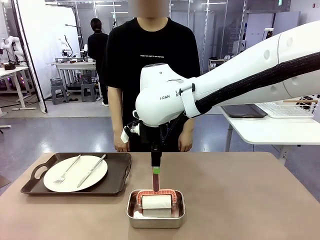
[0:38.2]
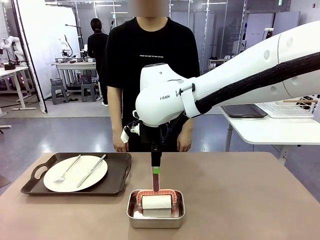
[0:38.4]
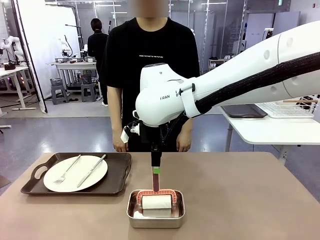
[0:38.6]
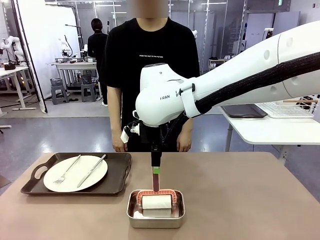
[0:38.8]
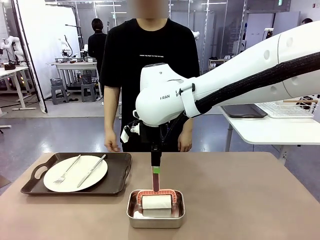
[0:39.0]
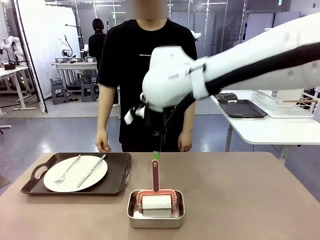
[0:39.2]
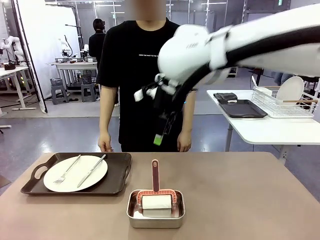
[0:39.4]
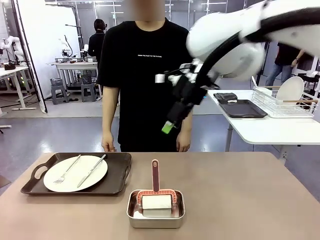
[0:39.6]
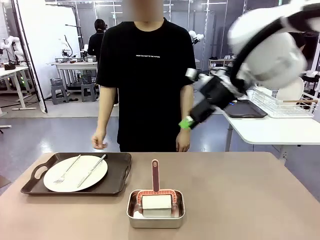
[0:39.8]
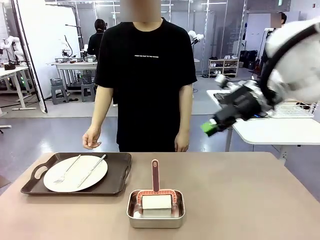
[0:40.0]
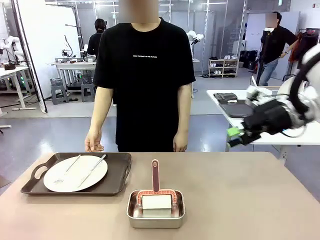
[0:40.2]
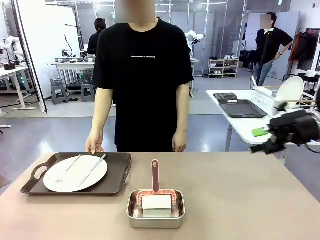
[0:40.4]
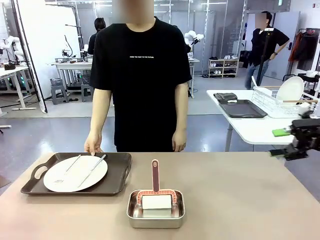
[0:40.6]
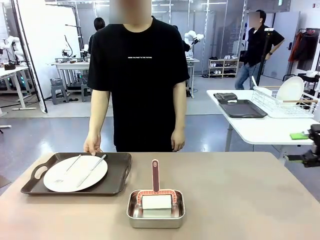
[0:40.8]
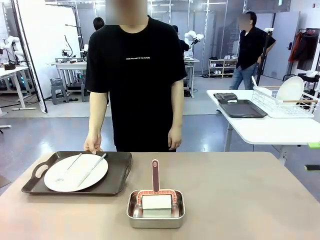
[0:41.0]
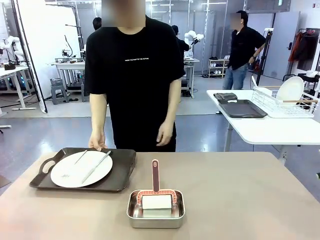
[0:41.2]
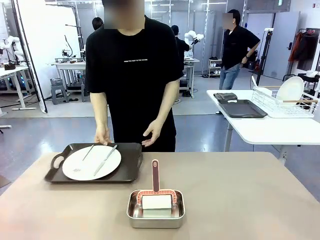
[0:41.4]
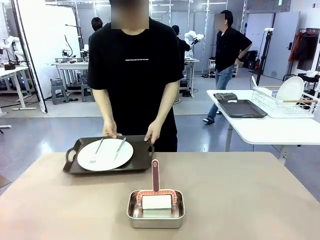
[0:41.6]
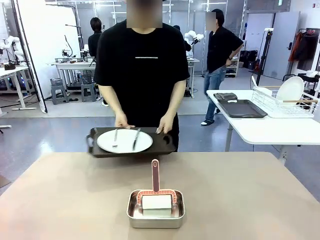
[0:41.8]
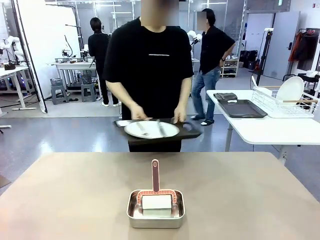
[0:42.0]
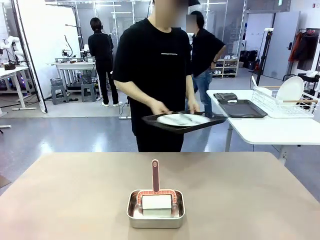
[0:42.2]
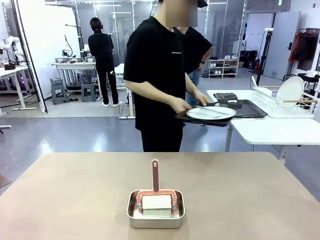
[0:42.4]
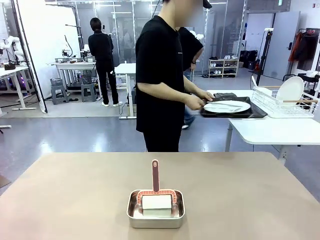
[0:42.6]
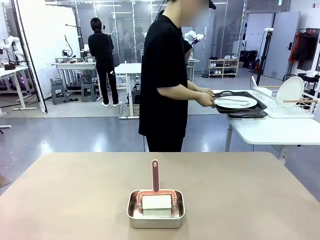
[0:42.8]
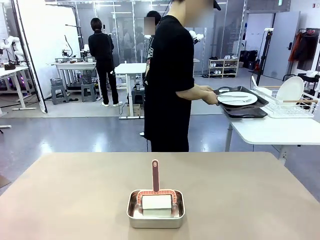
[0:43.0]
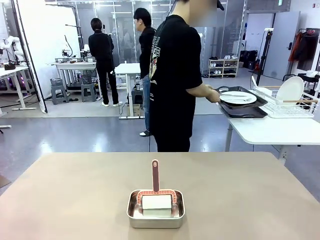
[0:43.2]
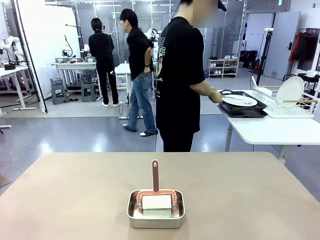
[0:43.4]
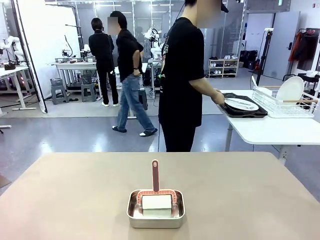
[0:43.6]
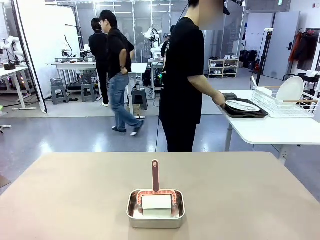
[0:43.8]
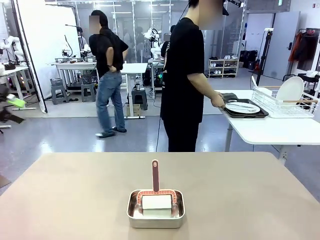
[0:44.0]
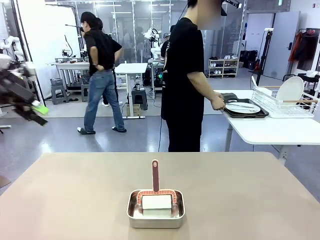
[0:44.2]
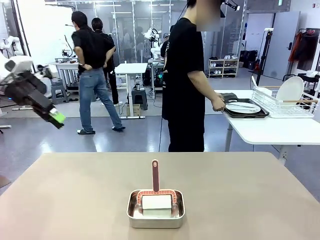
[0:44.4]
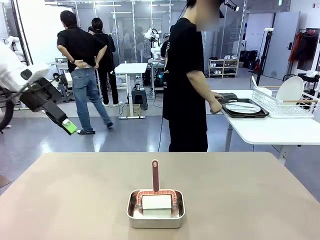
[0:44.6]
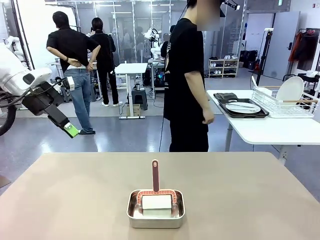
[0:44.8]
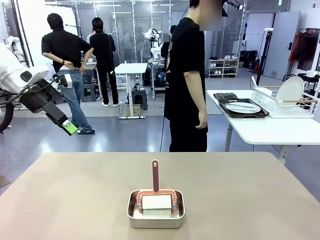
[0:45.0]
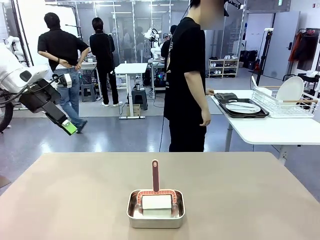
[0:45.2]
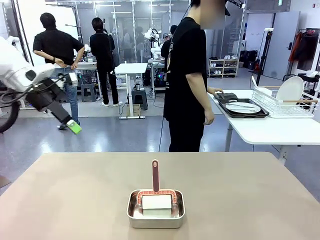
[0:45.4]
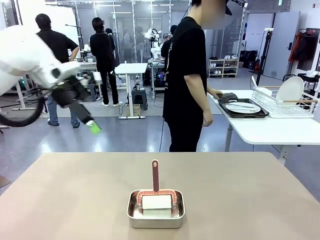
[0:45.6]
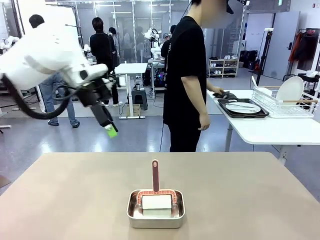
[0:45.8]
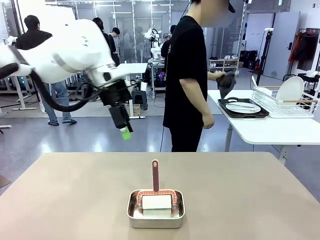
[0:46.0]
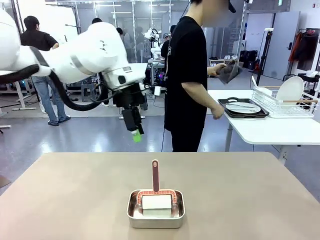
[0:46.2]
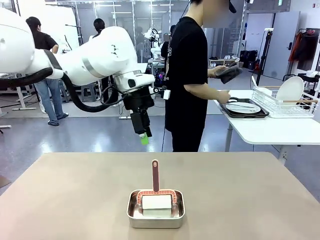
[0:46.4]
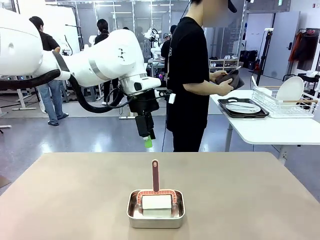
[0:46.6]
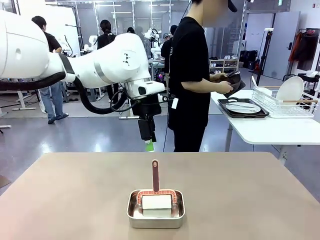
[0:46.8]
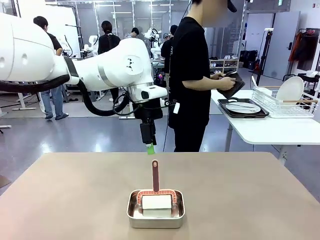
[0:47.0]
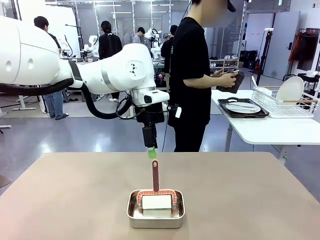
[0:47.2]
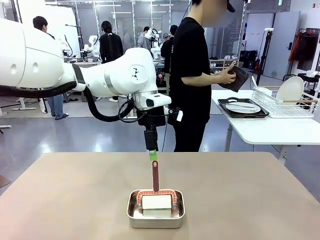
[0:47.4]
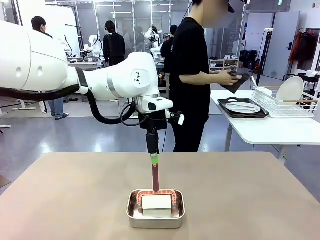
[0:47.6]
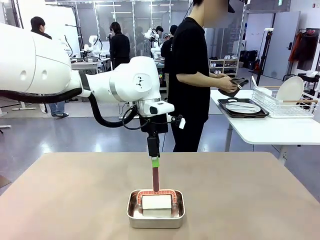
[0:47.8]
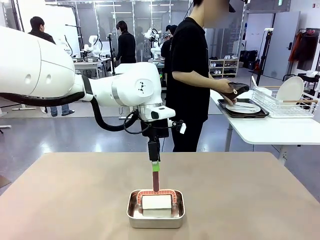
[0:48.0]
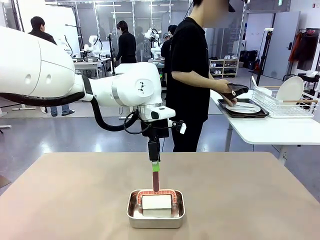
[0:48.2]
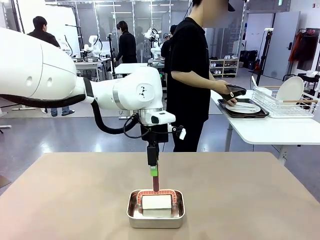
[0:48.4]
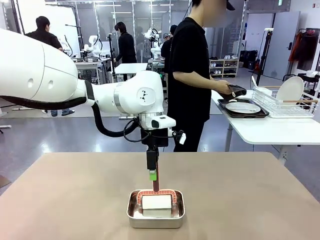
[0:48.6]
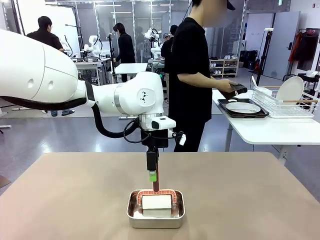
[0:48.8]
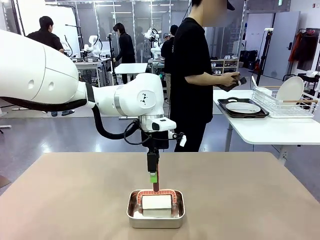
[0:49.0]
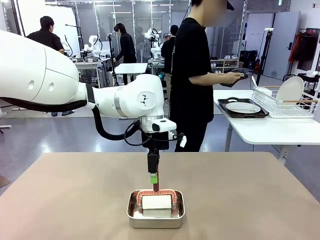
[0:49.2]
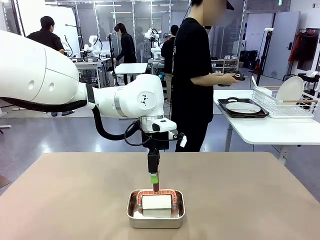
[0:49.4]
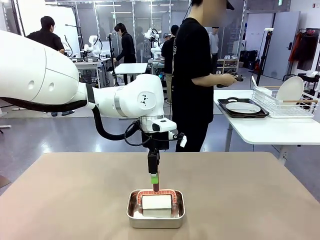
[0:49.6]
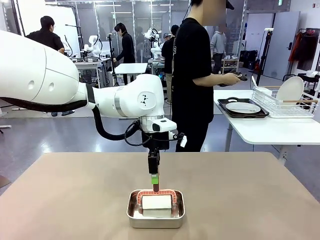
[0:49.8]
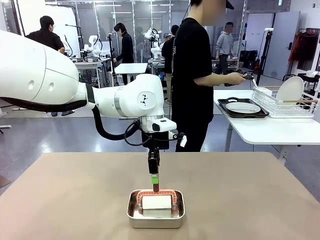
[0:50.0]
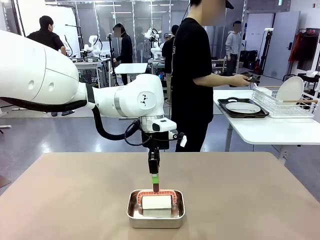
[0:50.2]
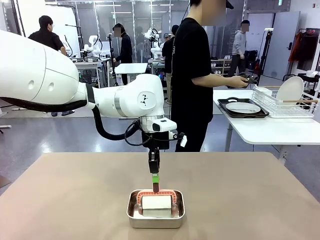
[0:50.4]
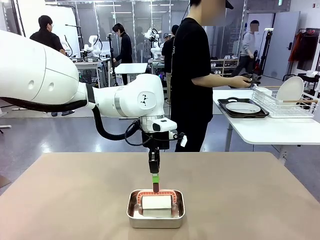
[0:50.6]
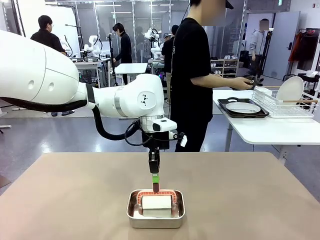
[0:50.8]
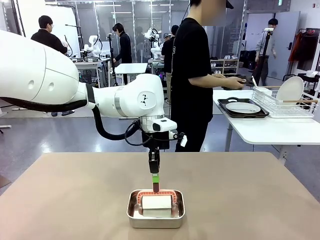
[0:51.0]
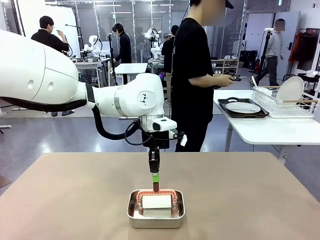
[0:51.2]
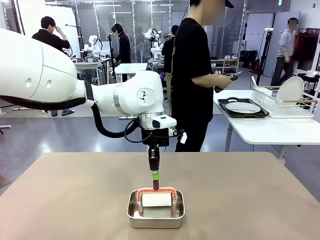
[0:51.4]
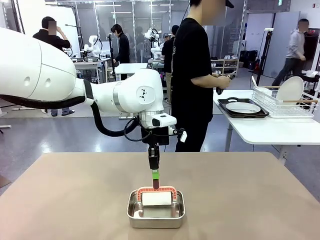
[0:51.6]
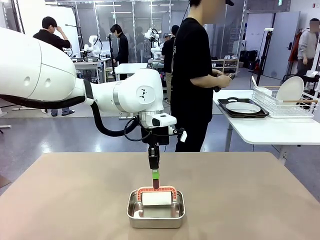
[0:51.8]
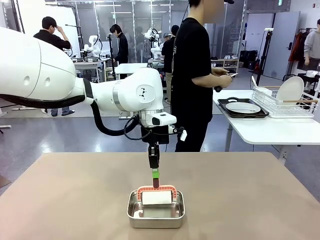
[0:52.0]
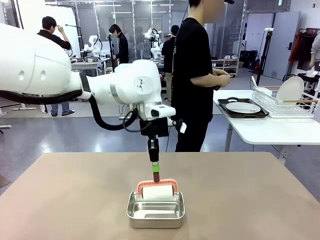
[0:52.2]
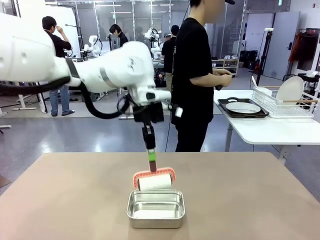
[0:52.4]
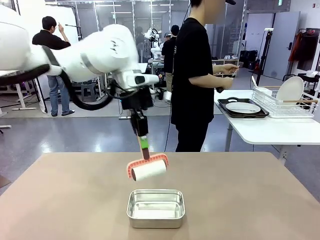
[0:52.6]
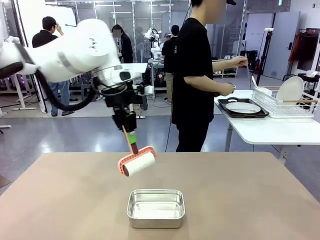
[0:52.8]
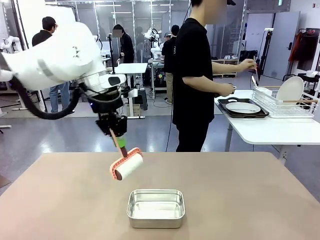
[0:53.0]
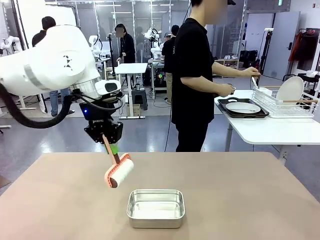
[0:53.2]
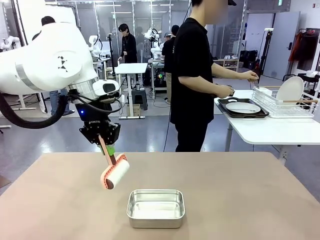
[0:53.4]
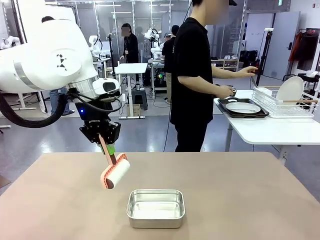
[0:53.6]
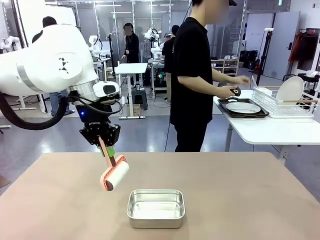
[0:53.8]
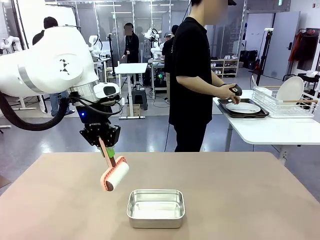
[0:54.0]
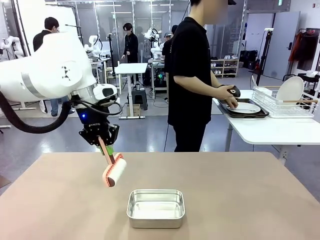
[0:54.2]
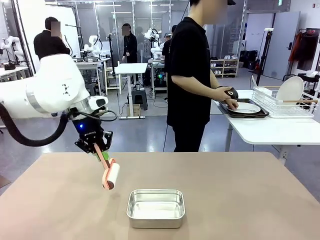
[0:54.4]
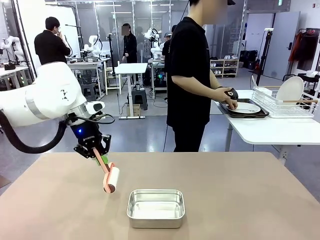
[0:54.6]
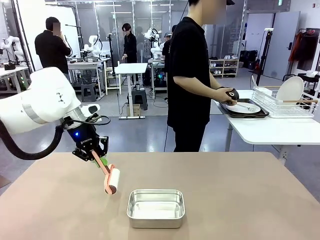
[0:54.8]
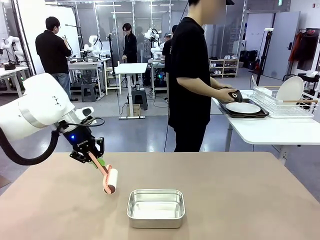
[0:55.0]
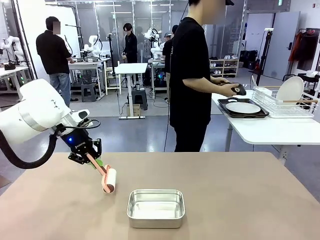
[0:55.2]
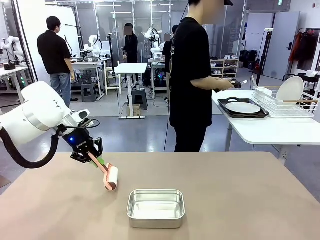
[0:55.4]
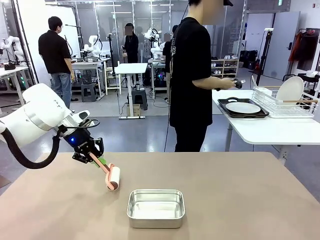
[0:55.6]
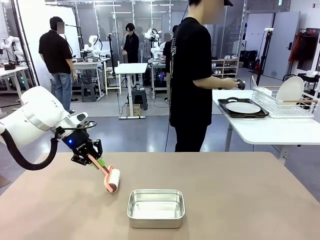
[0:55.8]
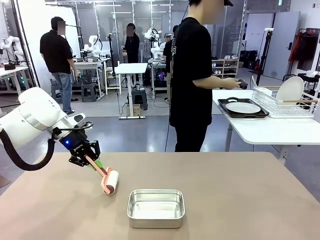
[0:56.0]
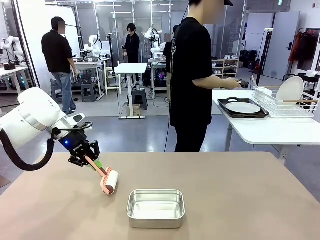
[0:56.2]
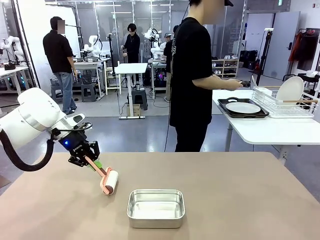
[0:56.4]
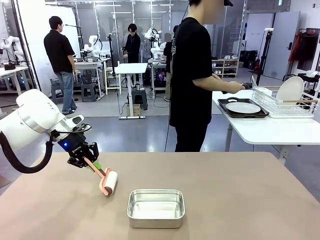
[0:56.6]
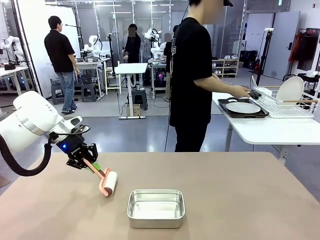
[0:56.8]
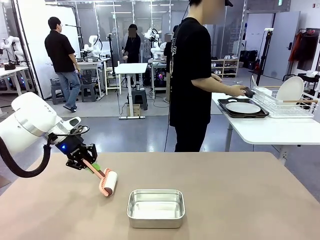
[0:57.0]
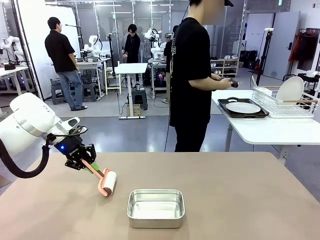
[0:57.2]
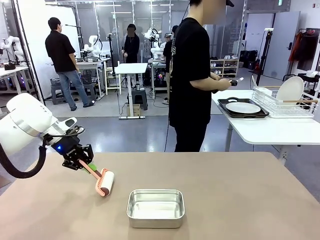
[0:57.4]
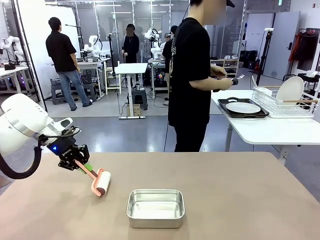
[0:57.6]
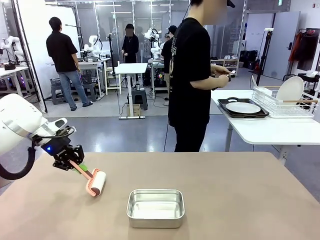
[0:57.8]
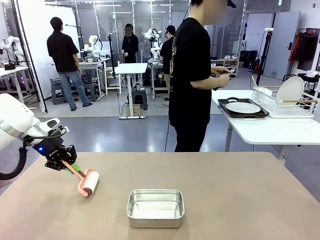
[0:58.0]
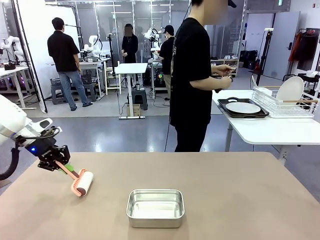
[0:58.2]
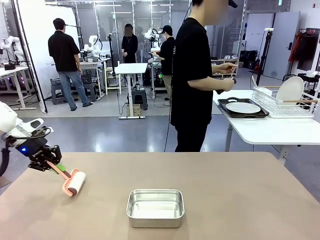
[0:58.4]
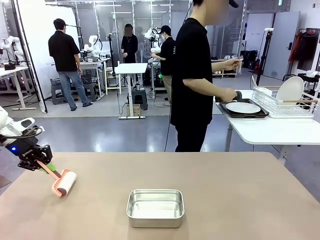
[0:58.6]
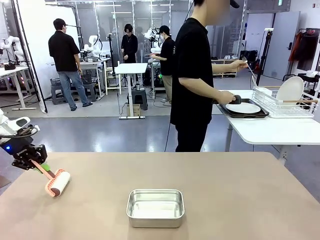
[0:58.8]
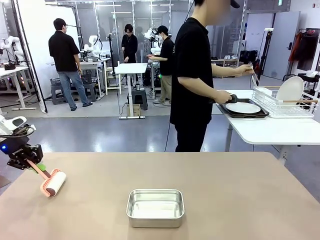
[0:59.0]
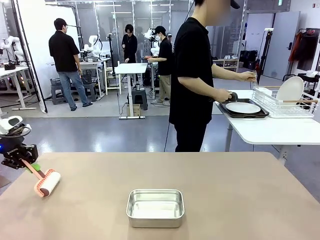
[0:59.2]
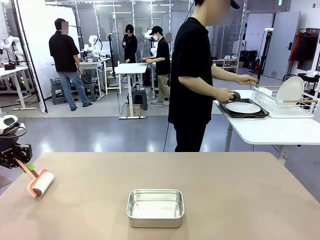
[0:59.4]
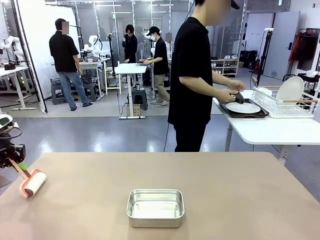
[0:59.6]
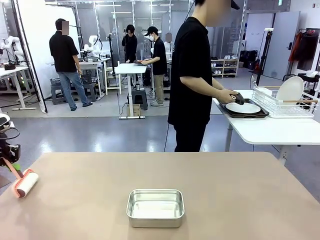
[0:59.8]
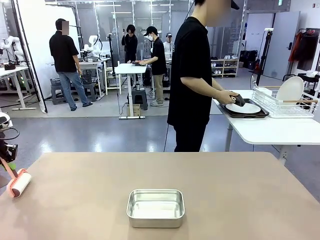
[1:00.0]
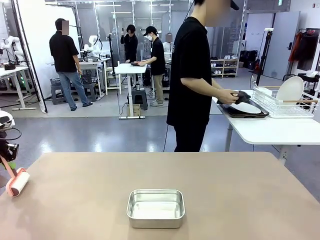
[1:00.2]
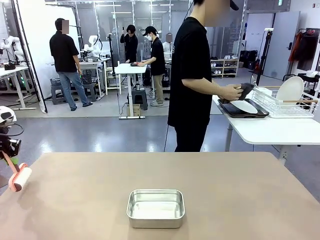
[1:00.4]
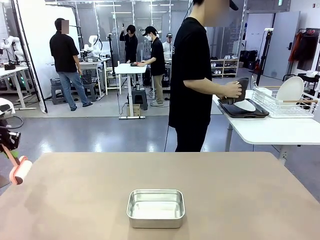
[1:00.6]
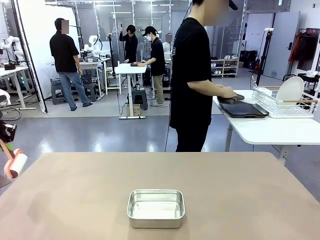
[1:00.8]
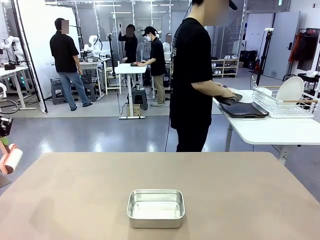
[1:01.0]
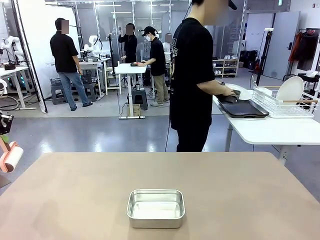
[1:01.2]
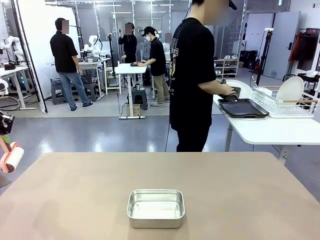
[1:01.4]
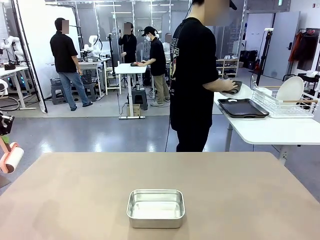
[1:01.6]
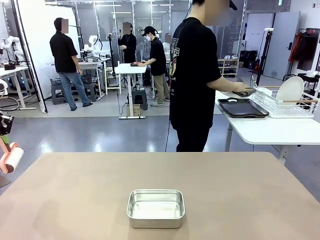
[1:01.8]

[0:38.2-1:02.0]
Robot: When the right (or left) Handle tray is removed, use the right hand (or left hand) to clean the right (or left) side of the table with the Lint Roller.
Person: Pick up the left (or right) Handle tray and place it on the Handle tray. Use the Towel with hook to wipe the Plastic Matte Plate , Fork , and Knife and place into the Dish drying rack.
